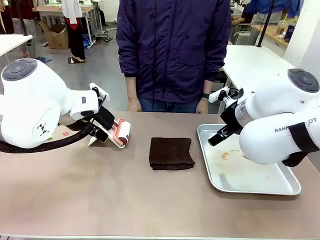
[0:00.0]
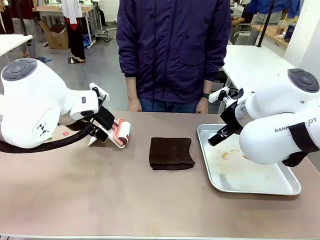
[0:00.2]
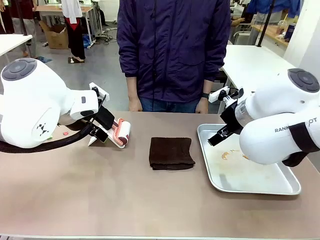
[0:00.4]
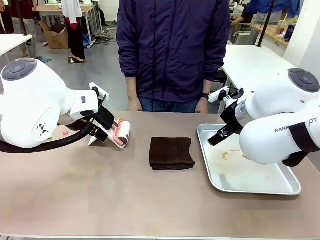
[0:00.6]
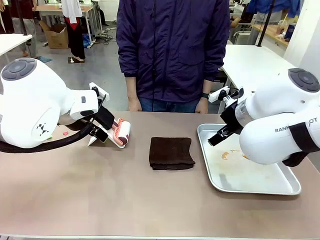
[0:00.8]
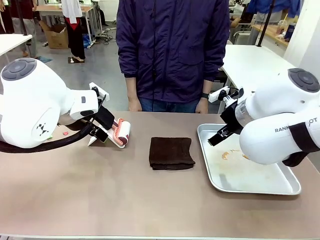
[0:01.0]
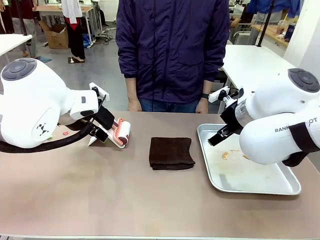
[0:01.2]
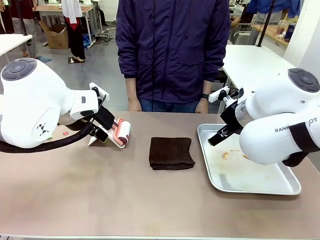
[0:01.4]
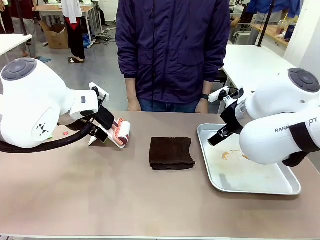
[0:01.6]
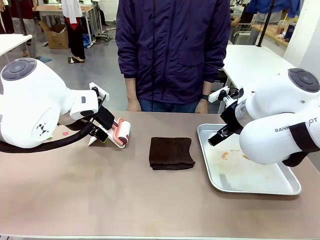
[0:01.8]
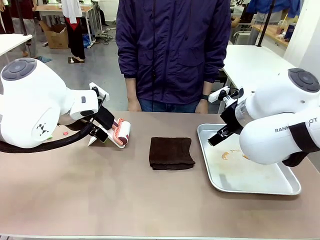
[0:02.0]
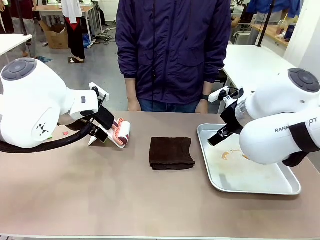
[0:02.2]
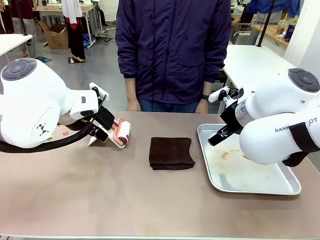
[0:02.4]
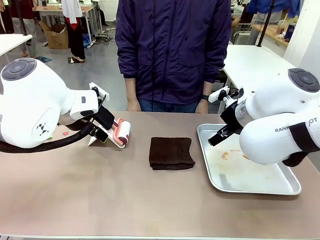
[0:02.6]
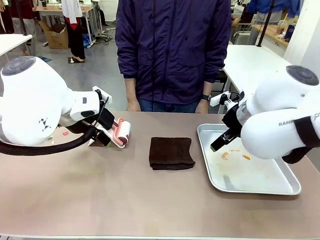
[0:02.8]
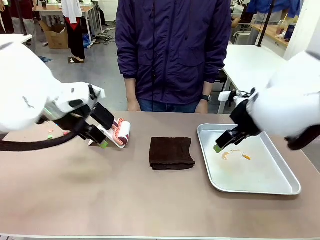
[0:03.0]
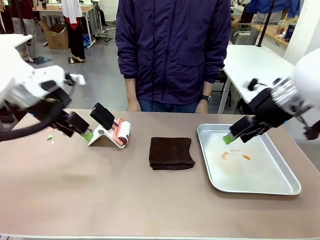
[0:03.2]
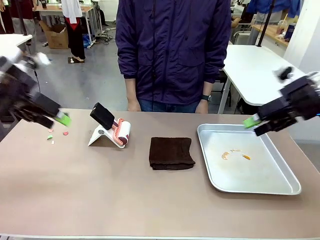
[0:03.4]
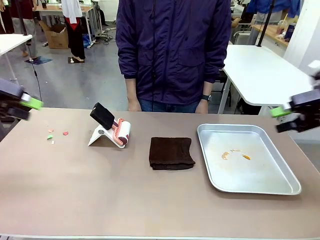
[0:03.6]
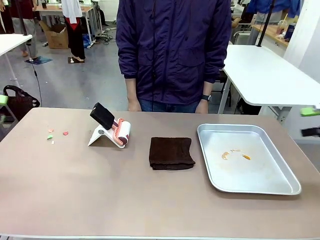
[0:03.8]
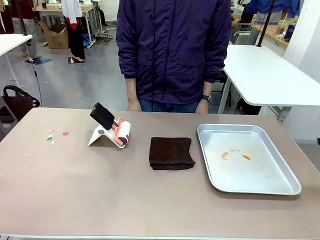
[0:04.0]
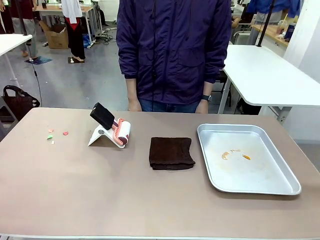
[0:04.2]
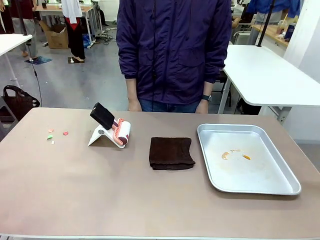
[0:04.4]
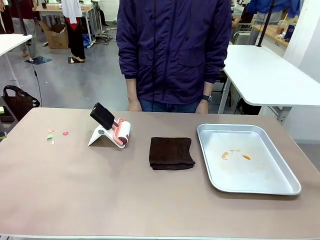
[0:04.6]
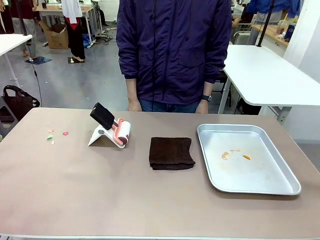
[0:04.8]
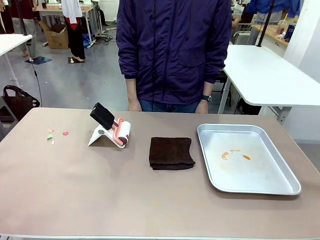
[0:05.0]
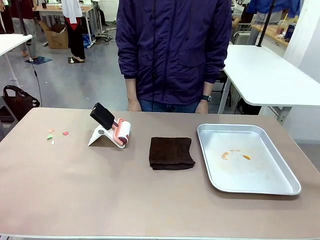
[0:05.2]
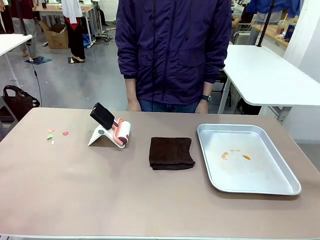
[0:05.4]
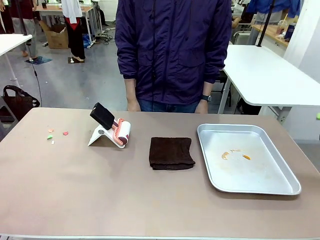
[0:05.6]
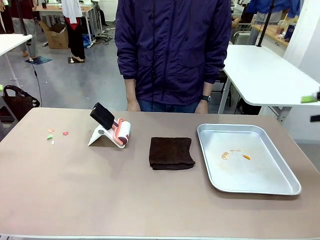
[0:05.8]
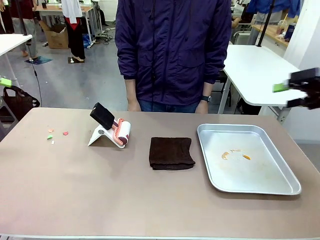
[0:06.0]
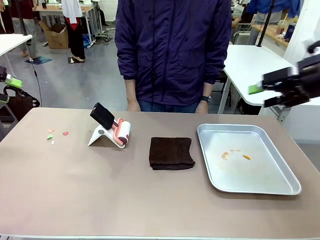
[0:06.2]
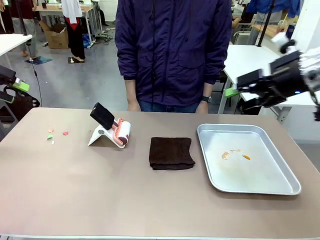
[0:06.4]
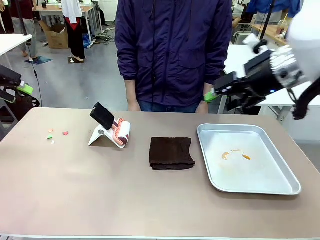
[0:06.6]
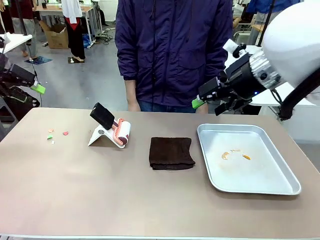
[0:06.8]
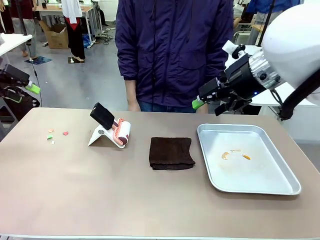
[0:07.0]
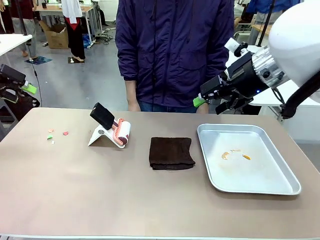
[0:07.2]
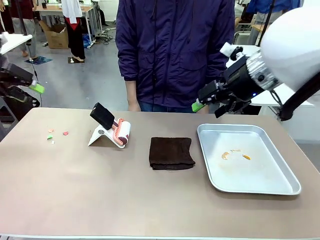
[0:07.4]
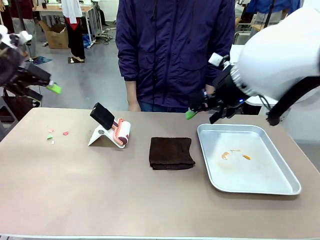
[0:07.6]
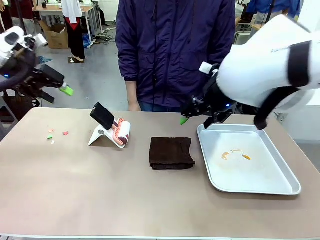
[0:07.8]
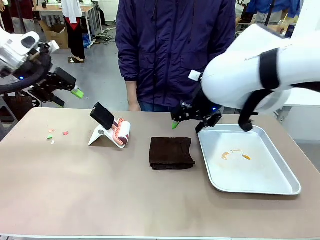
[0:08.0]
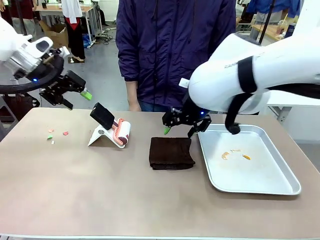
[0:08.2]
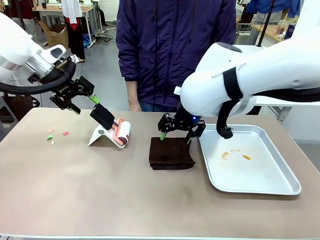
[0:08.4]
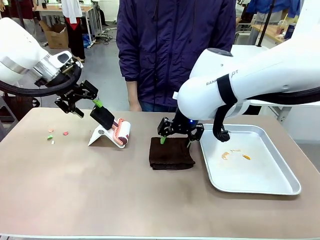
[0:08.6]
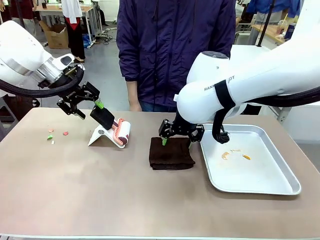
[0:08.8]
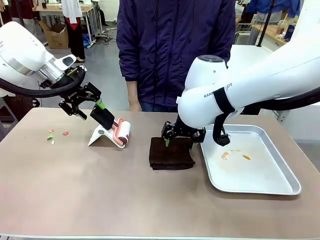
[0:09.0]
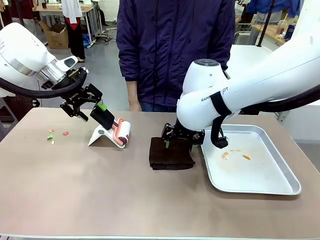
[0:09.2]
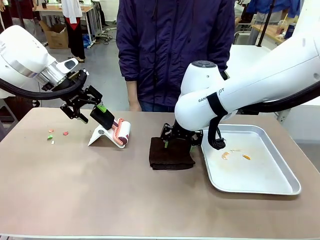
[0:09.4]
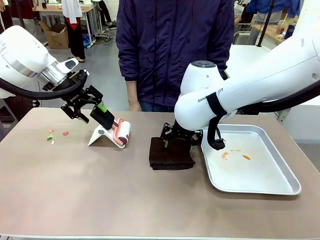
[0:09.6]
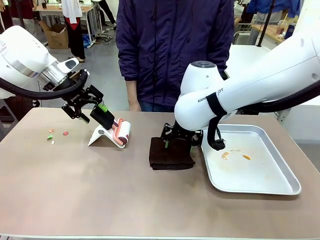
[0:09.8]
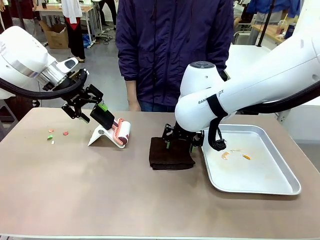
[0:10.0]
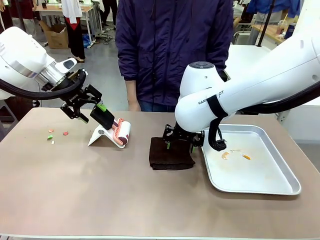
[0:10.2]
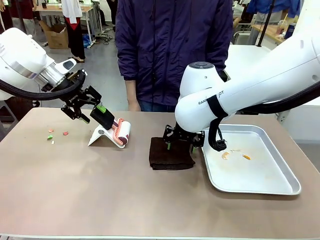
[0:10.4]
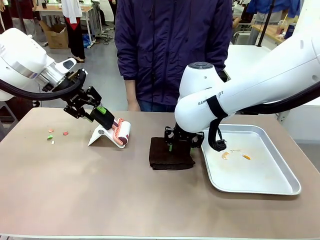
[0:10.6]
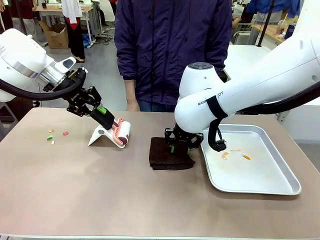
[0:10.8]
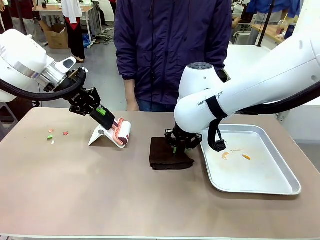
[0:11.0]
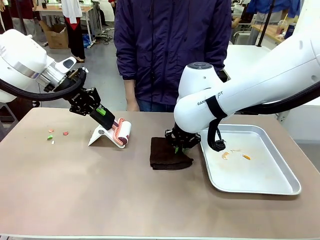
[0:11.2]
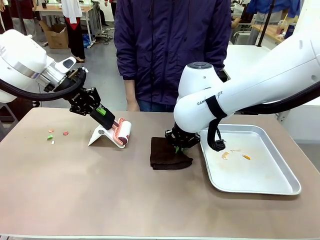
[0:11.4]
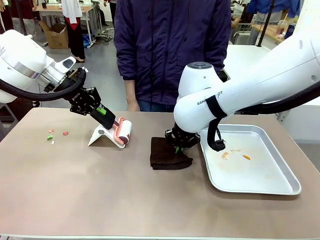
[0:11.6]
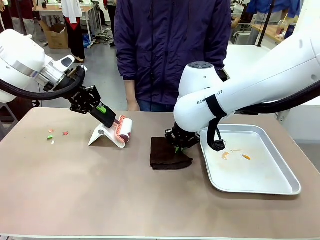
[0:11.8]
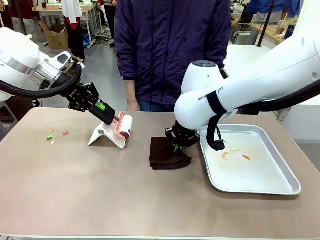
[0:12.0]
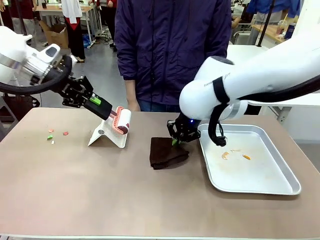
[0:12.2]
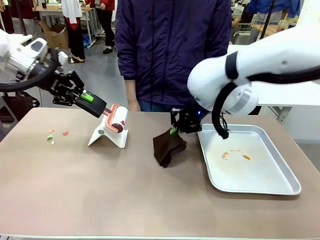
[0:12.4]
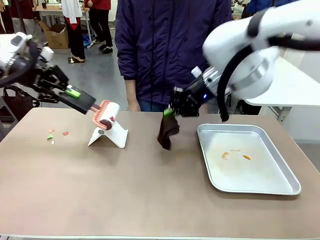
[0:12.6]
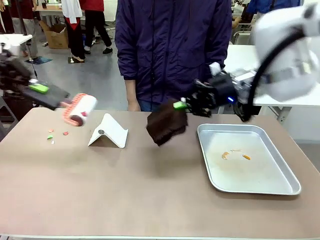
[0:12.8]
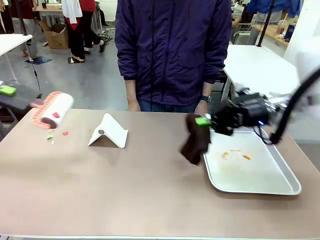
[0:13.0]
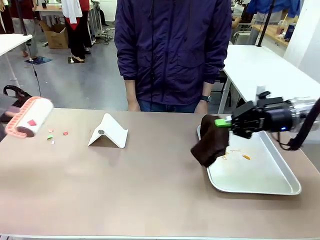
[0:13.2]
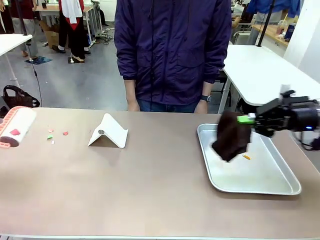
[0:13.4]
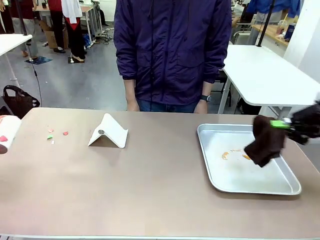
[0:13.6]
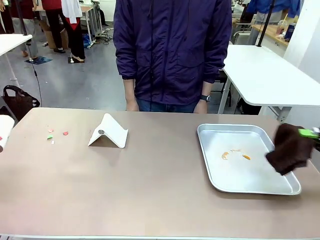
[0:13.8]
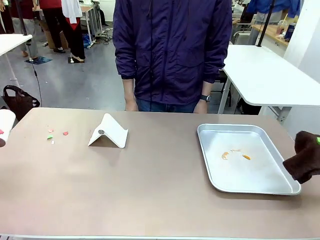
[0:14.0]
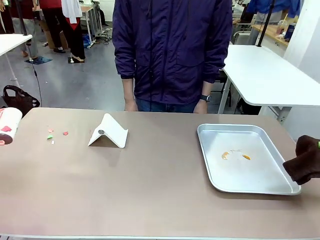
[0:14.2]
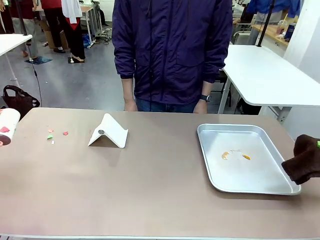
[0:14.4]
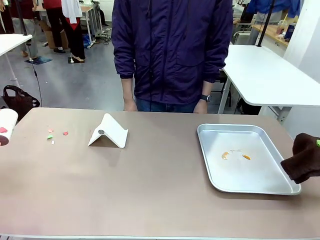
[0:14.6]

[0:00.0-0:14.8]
Task: Clean the surface of the table.
Robot: Hold the Lint Roller with your left hand and the towel with your right hand.

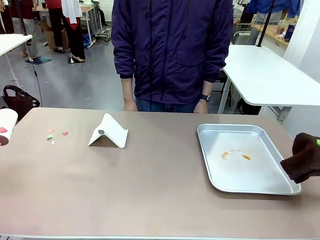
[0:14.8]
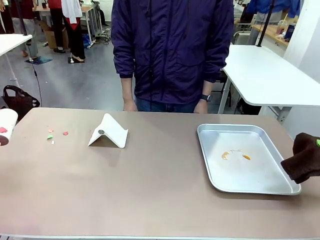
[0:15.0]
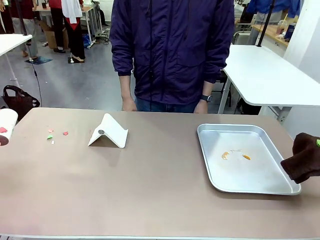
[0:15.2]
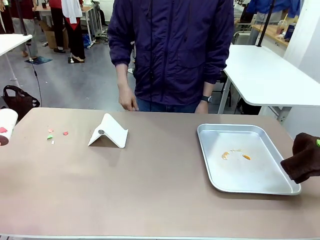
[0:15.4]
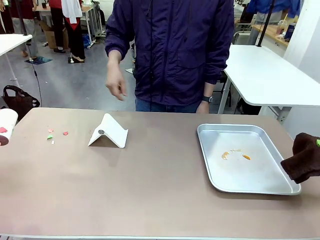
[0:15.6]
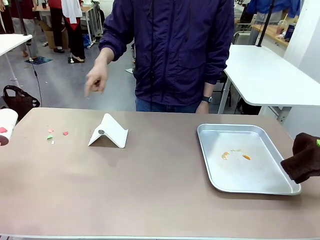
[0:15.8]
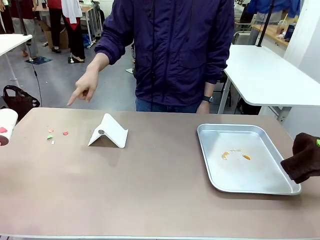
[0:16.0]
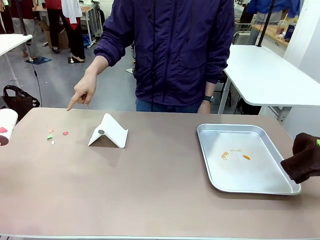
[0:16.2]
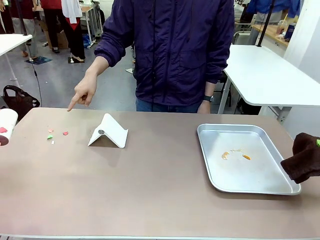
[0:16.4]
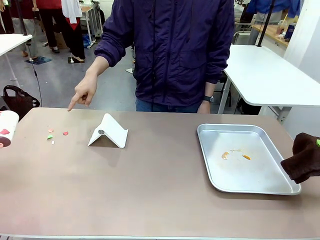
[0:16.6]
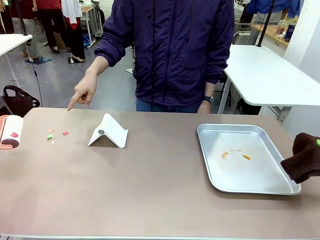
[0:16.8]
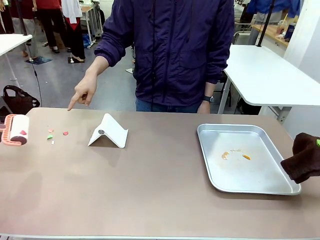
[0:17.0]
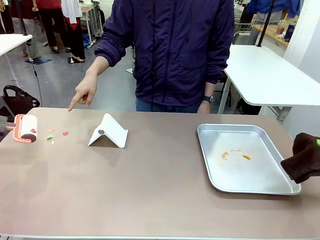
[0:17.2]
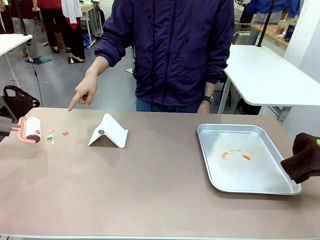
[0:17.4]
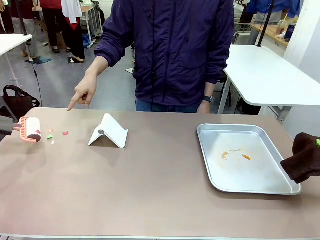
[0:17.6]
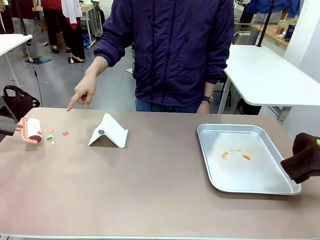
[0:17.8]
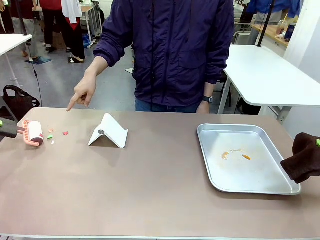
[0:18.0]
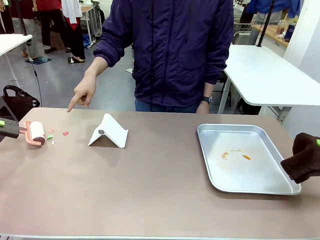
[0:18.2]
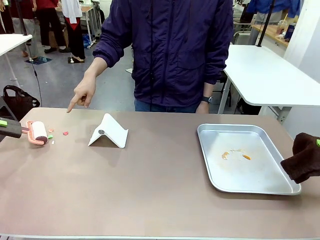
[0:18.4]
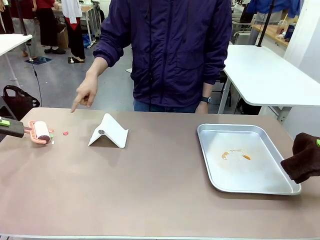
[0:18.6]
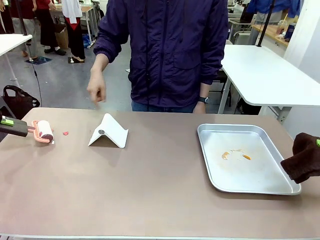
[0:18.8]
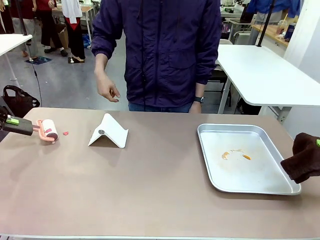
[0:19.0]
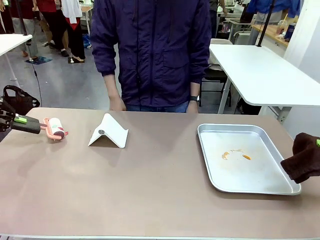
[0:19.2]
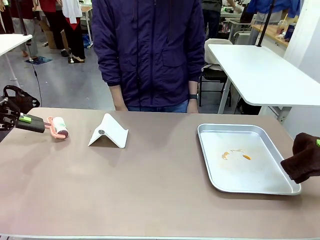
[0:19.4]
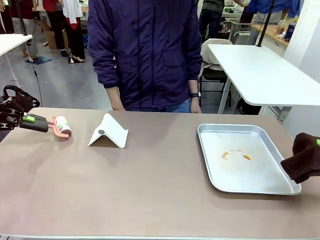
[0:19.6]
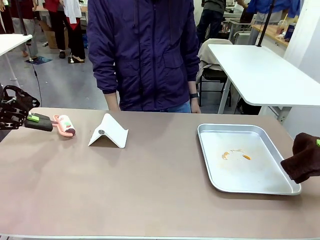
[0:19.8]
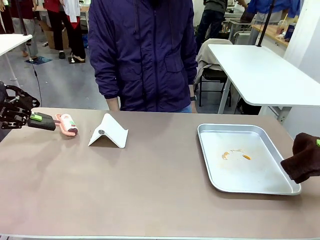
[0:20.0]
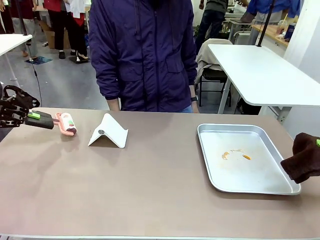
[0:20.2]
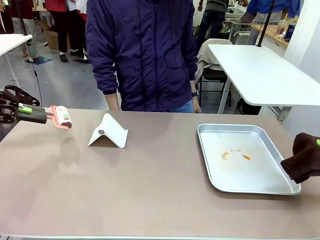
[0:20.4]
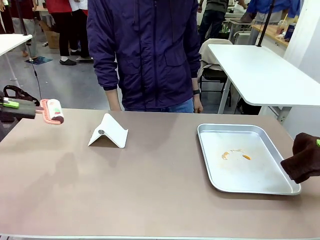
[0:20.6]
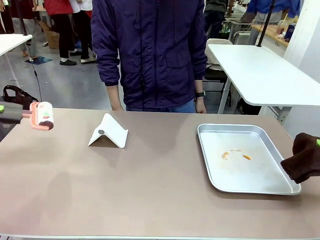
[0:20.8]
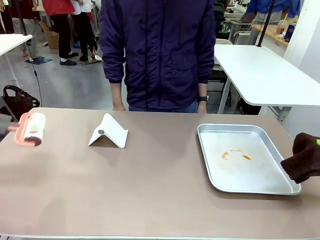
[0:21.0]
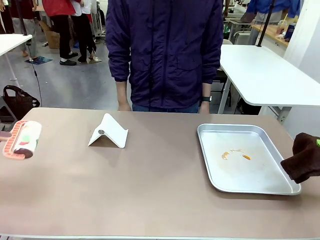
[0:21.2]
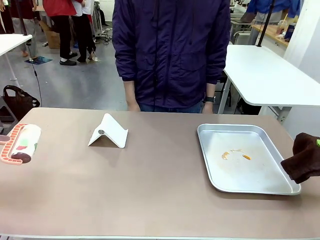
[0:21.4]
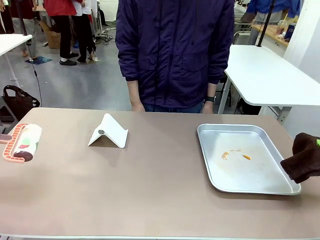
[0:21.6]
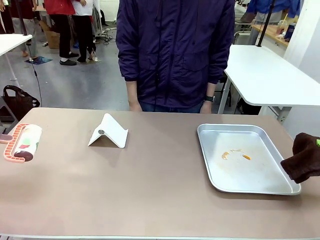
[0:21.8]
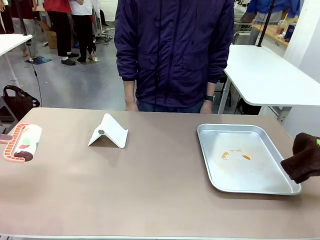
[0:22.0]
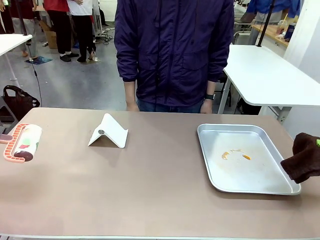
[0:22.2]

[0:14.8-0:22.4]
Robot: If a person points to the right, clean the right side of the table with your right hand, and if they point to the left, clean the left side with your left hand.
